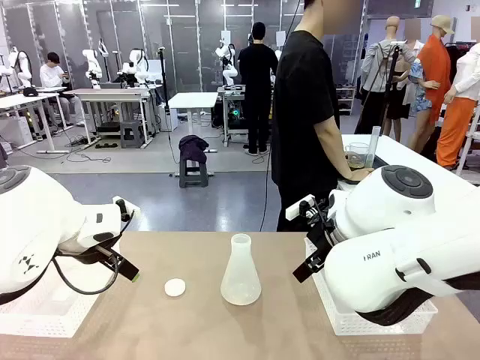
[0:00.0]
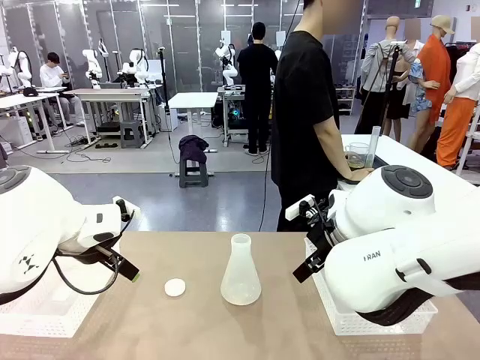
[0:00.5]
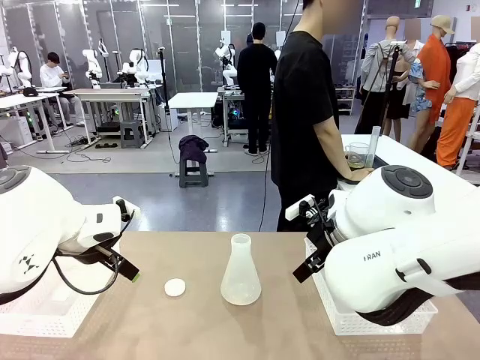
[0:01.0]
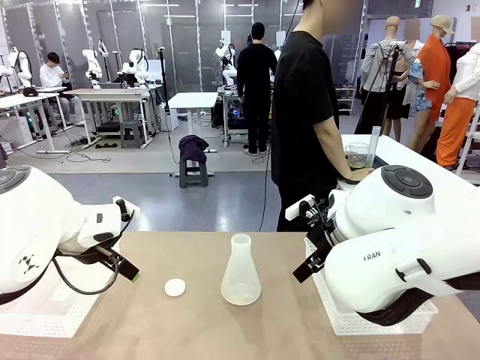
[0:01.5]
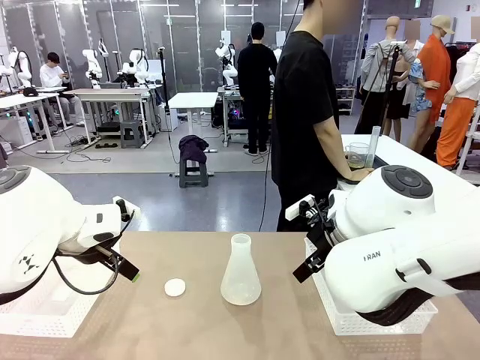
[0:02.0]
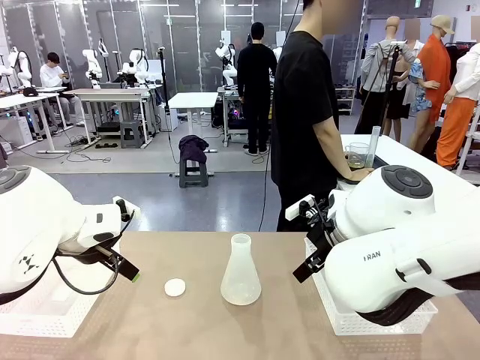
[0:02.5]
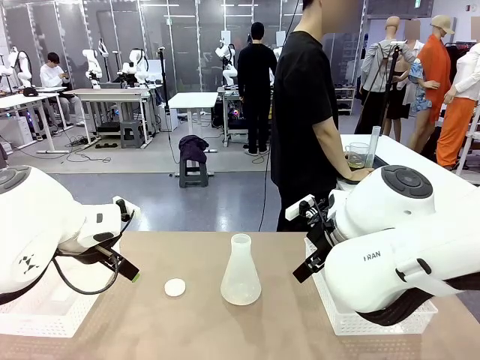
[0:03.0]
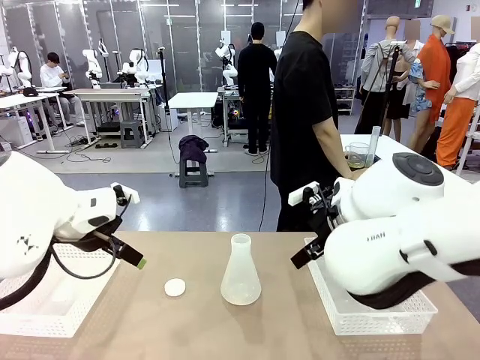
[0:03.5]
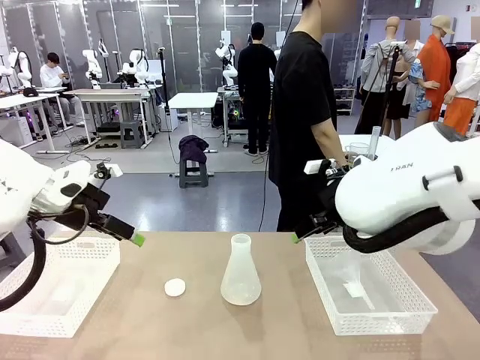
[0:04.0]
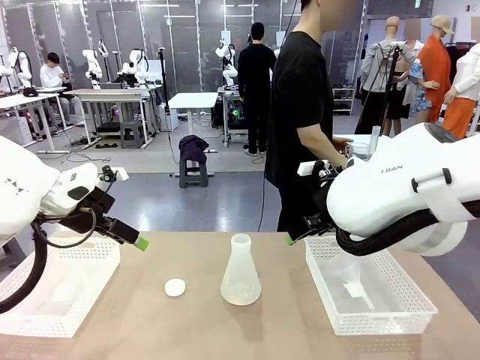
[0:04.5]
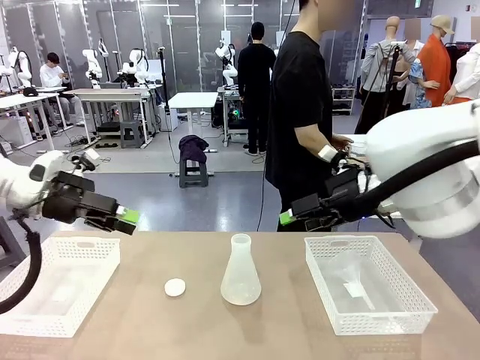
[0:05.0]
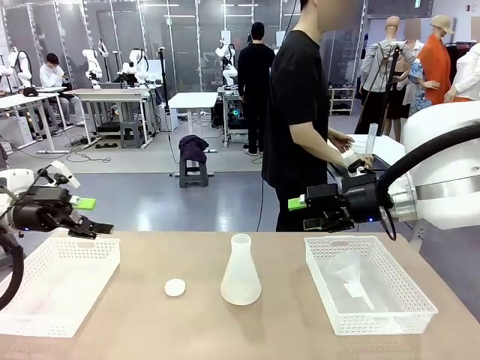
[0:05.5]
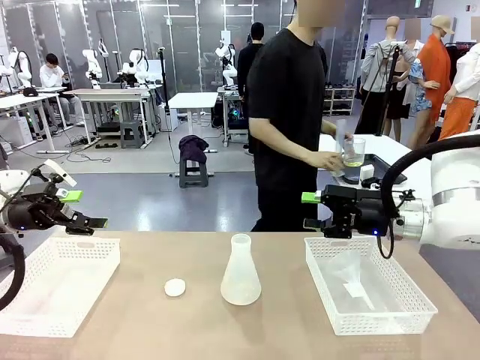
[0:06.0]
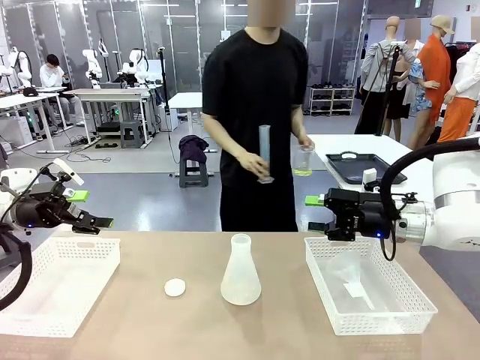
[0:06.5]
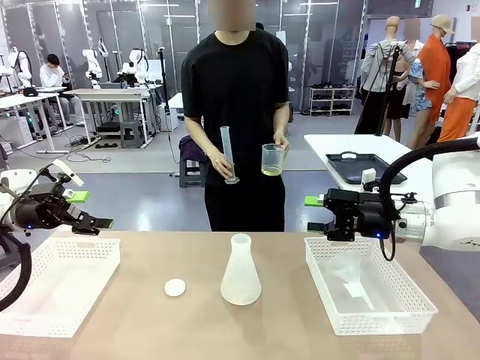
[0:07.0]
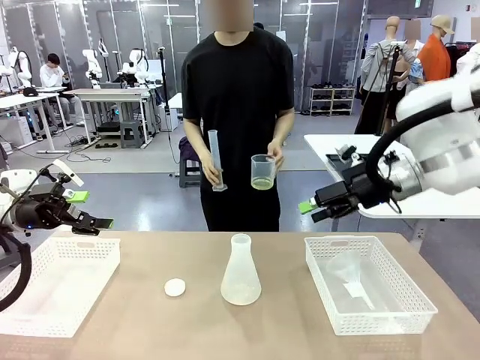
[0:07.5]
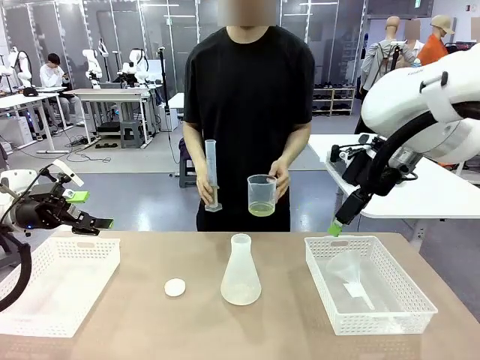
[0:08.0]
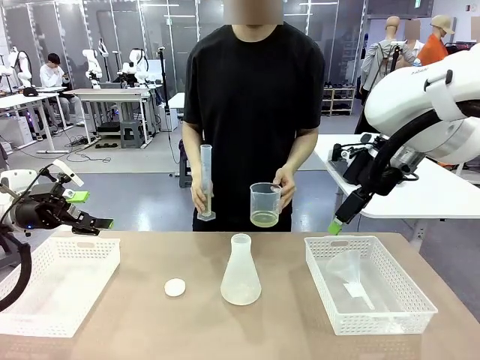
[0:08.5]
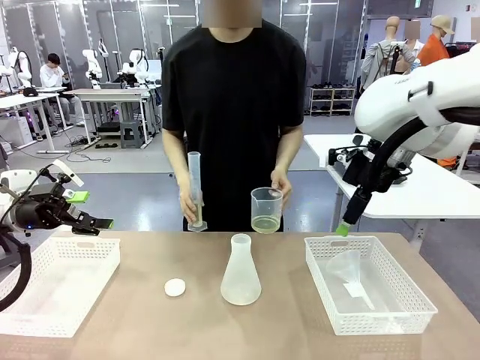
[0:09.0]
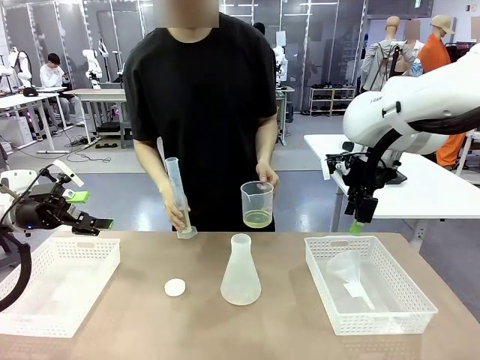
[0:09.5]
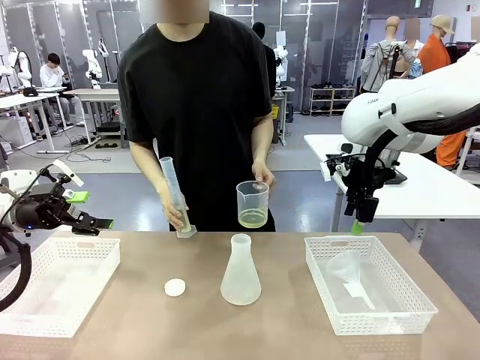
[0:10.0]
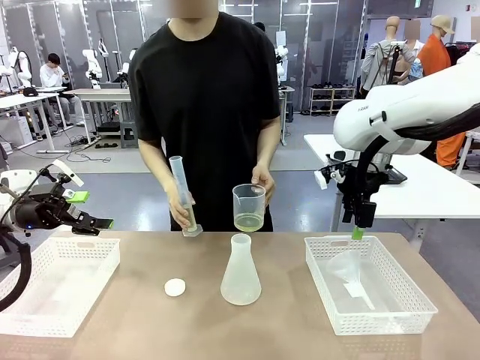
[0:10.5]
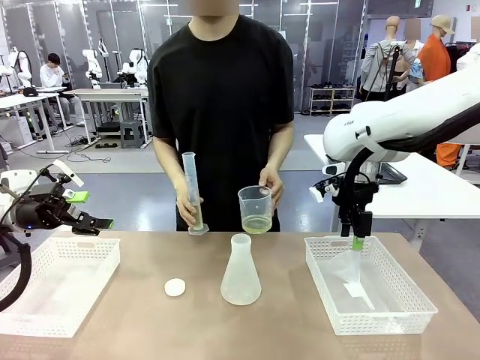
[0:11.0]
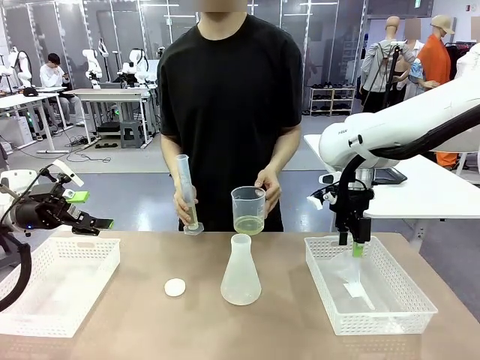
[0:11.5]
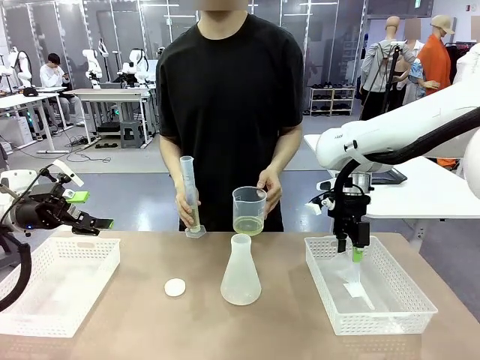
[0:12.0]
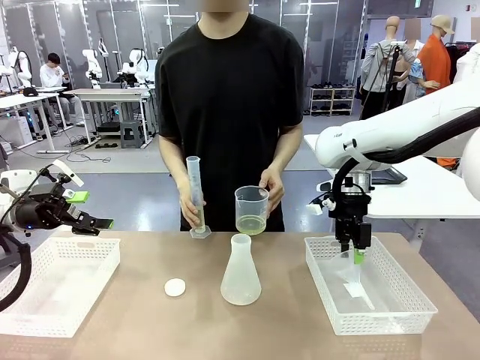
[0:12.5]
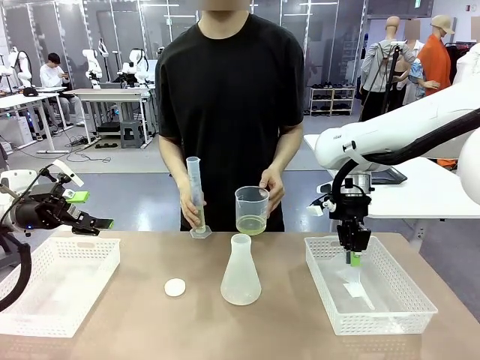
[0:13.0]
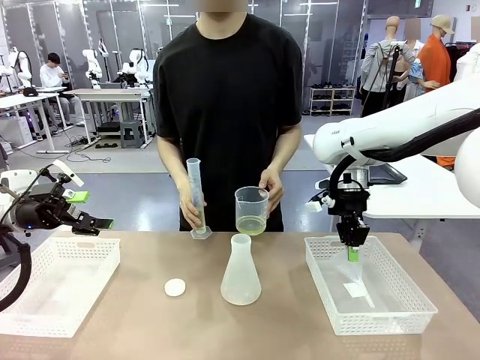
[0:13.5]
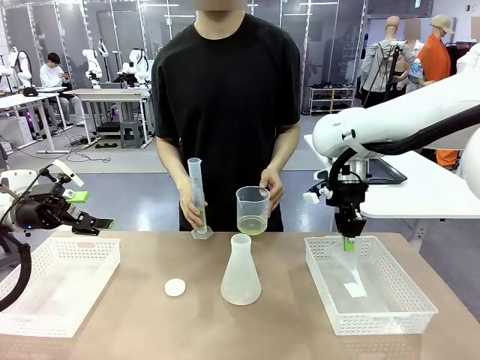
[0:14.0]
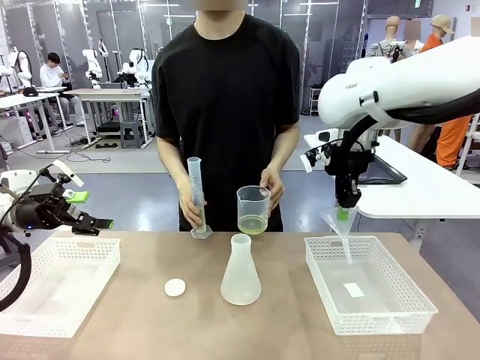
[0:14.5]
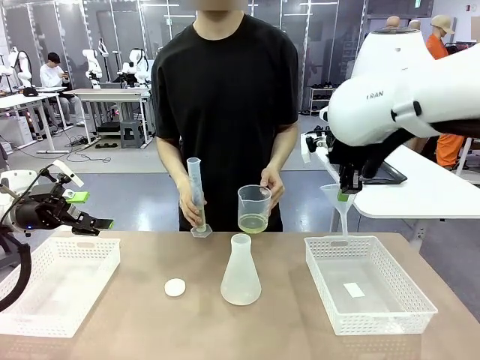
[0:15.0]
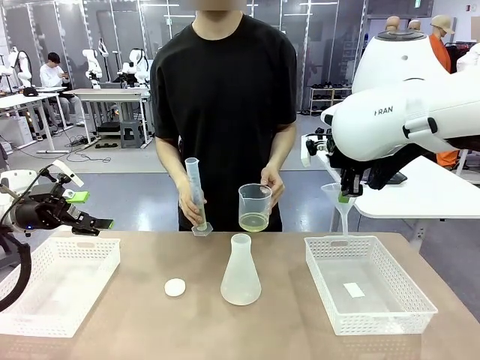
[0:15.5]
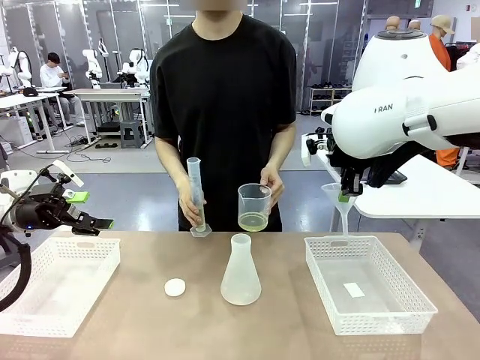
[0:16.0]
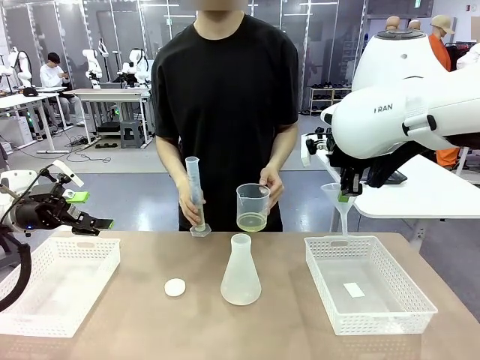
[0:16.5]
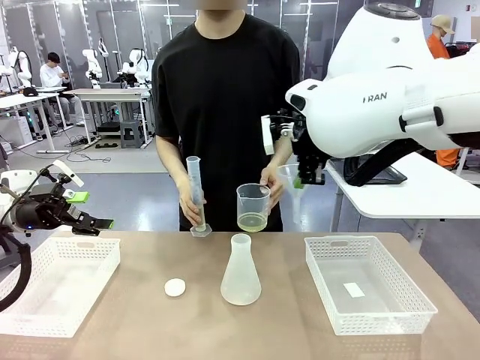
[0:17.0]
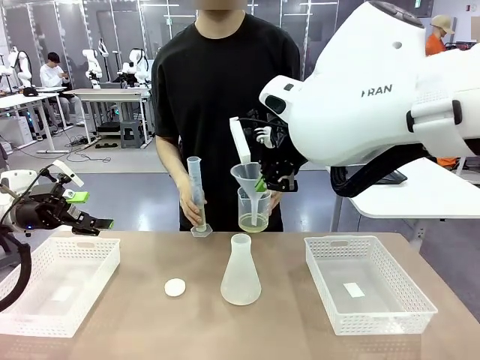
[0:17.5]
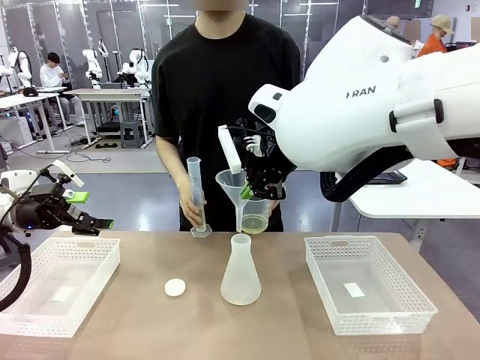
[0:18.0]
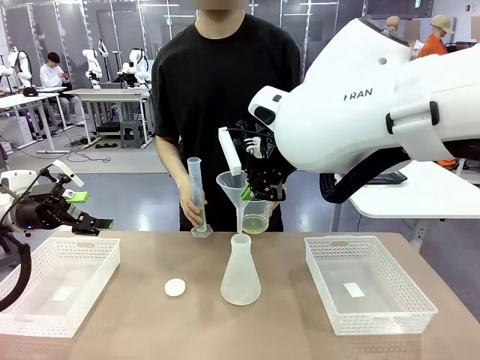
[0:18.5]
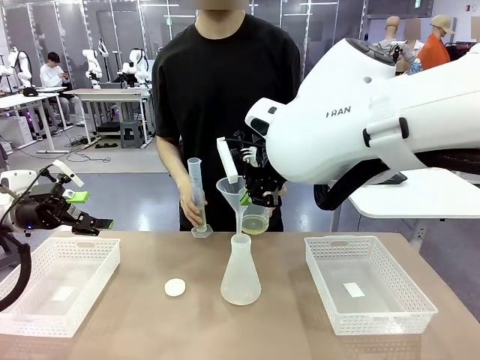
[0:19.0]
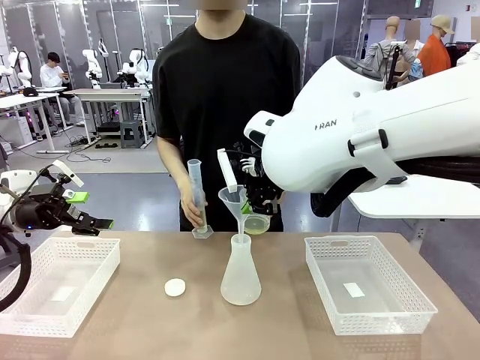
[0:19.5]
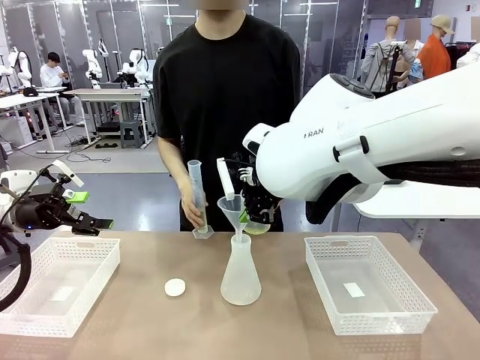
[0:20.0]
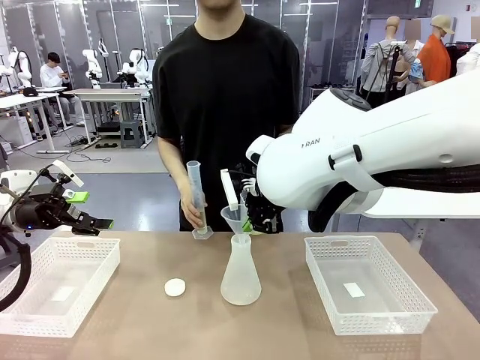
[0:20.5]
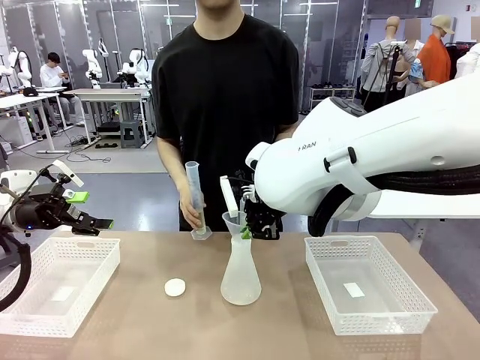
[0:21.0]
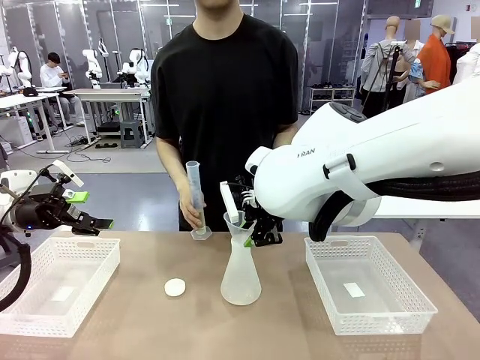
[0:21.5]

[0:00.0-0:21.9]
Task: Prepare the solutions needed for the experiment.
Robot: Pick up the Plastic Funnel and insert it into the Big flask.
Person: Pick up the beaker and the cylinder and move to the middle of the robot table. Pour the solution from the beaker and the cylinder into the flask.

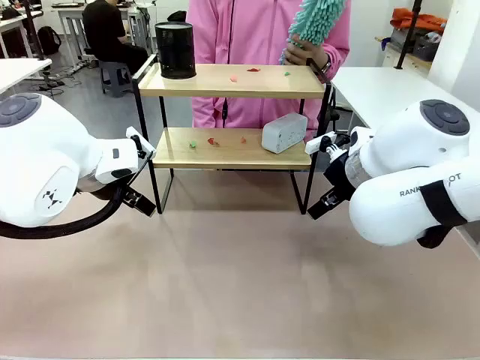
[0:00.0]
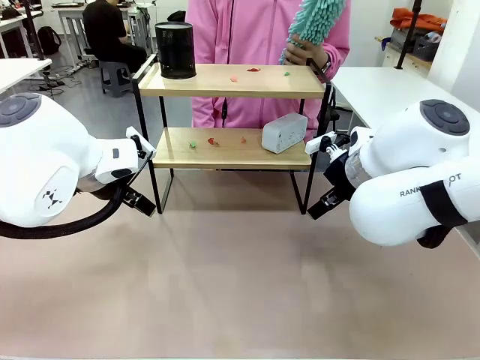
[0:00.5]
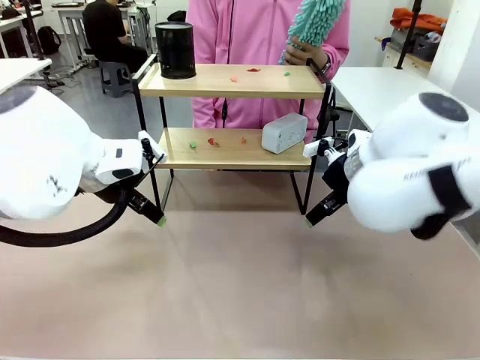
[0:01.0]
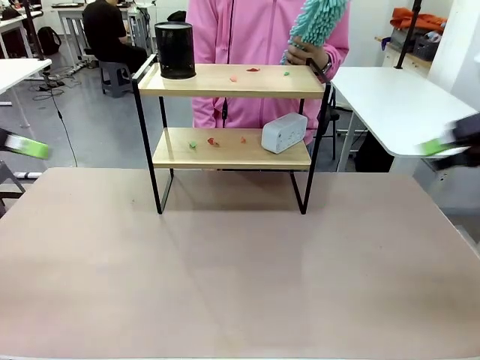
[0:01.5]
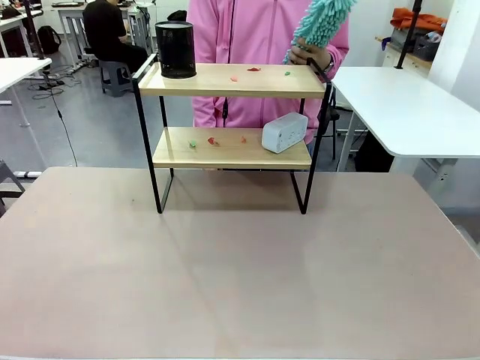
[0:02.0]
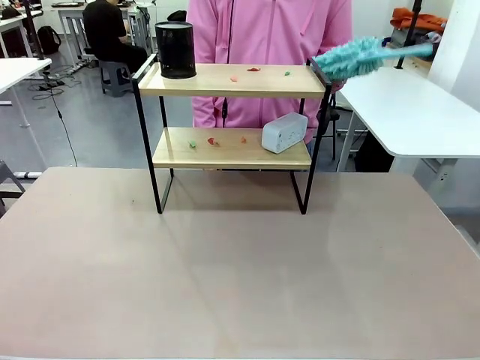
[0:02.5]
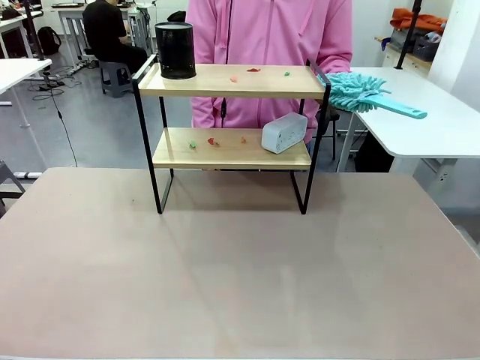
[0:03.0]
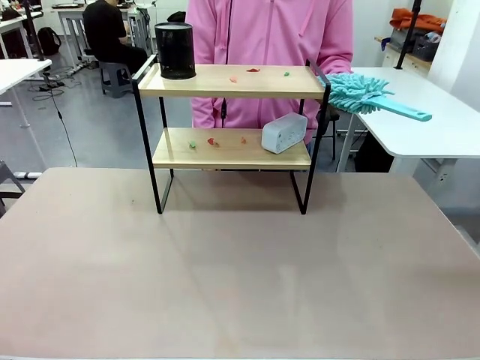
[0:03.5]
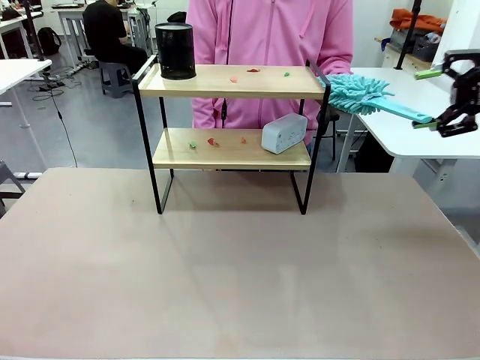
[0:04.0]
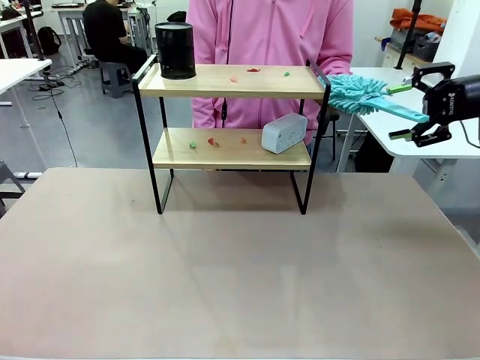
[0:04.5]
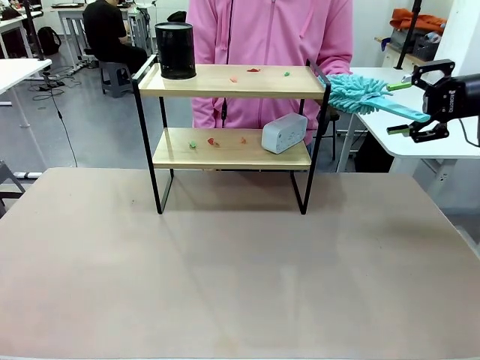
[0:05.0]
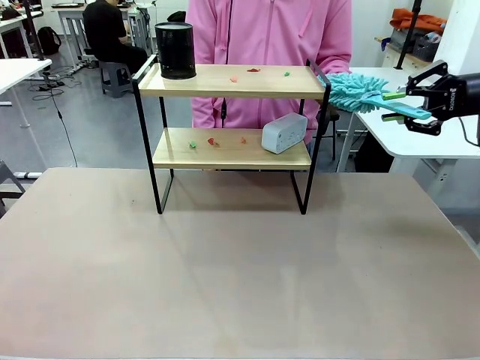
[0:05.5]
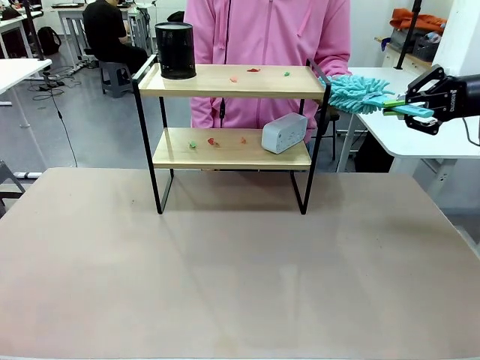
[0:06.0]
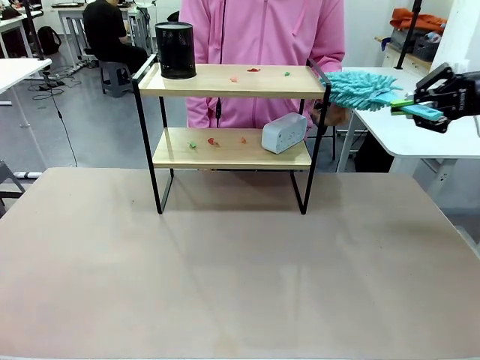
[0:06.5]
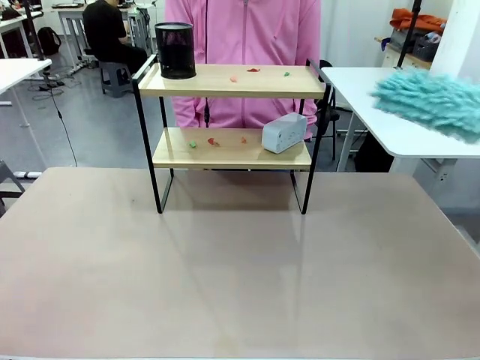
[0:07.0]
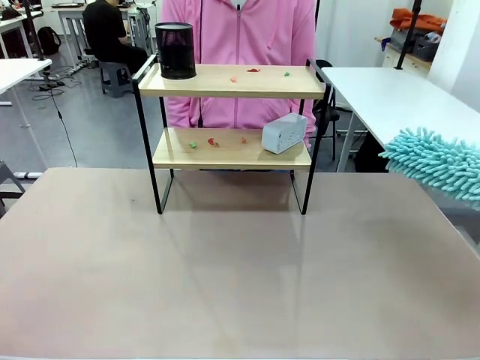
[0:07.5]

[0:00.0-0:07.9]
Task: Clean the shelf.
Robot: Pick up the Duster from the human.
Person: Hand the Duster to the robot.
